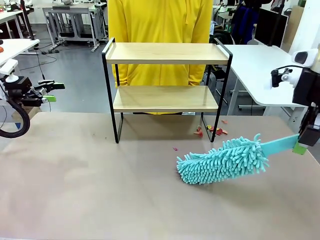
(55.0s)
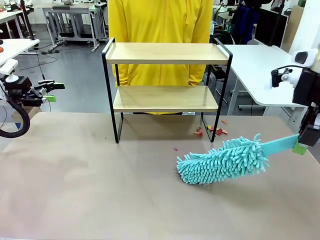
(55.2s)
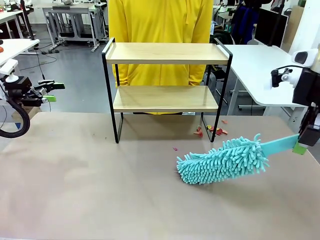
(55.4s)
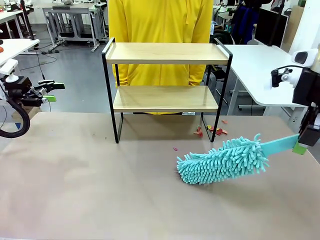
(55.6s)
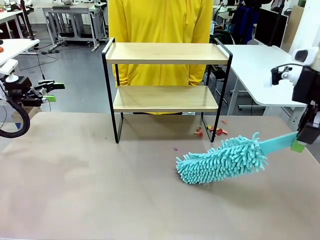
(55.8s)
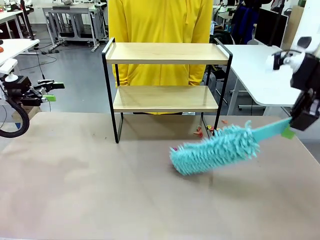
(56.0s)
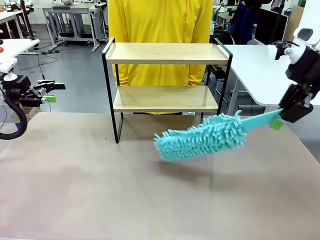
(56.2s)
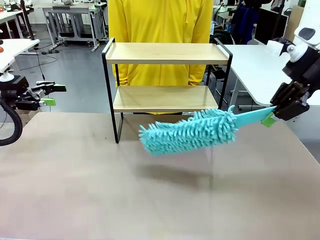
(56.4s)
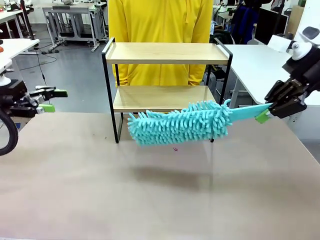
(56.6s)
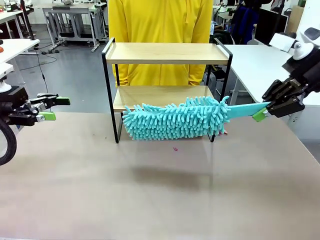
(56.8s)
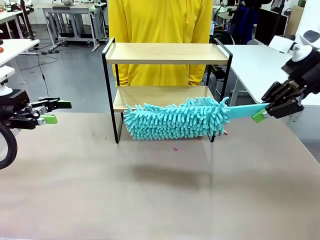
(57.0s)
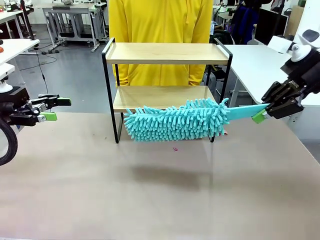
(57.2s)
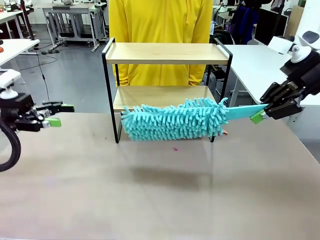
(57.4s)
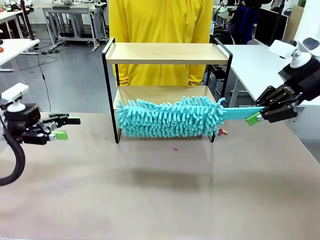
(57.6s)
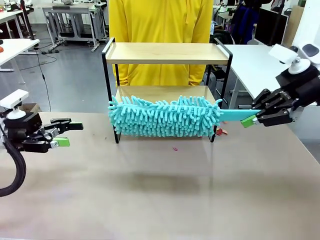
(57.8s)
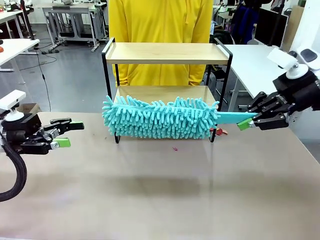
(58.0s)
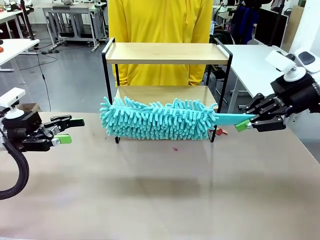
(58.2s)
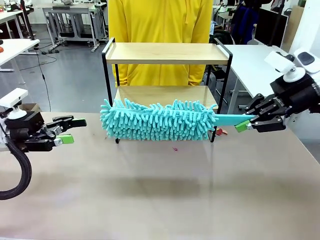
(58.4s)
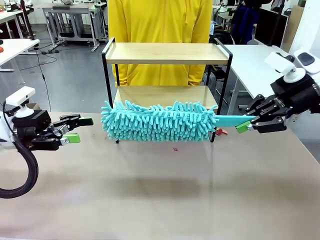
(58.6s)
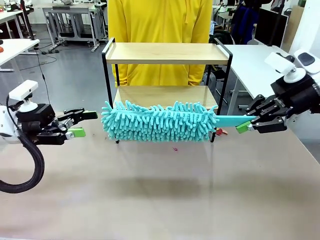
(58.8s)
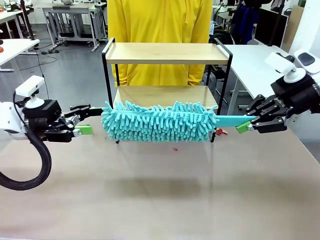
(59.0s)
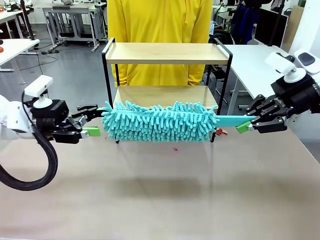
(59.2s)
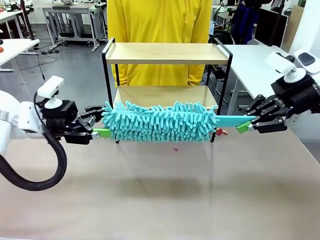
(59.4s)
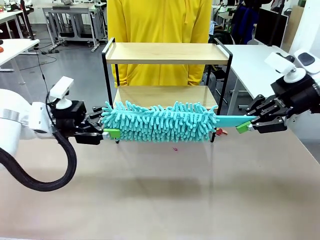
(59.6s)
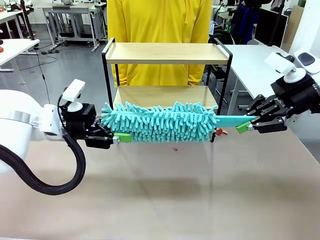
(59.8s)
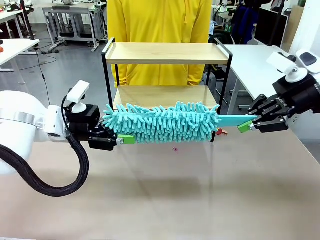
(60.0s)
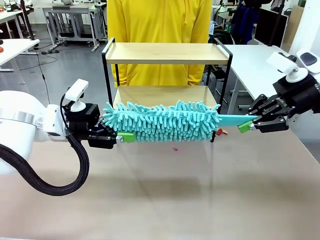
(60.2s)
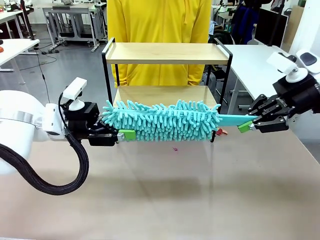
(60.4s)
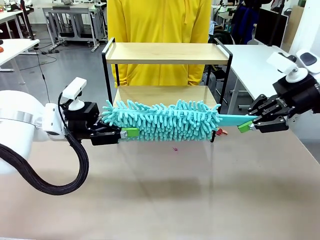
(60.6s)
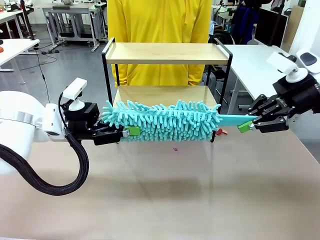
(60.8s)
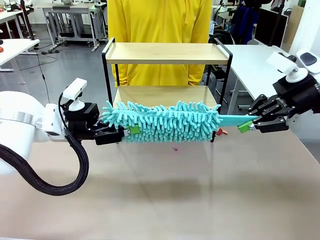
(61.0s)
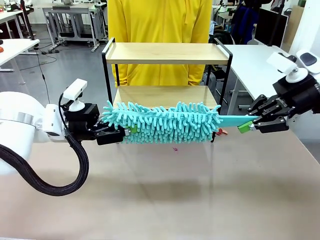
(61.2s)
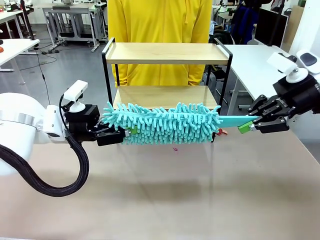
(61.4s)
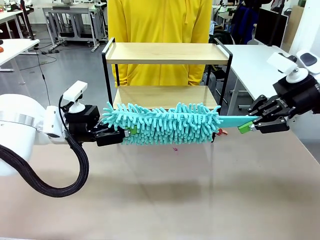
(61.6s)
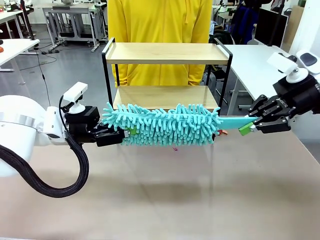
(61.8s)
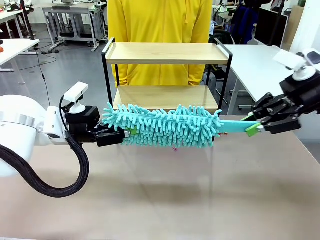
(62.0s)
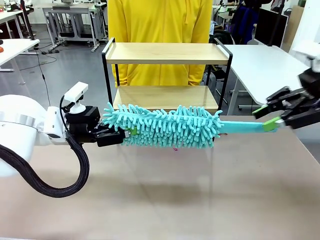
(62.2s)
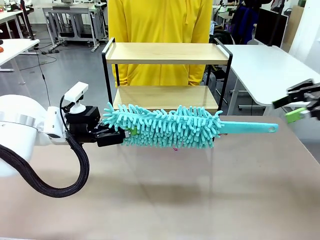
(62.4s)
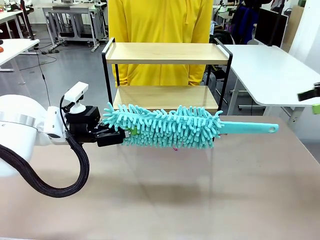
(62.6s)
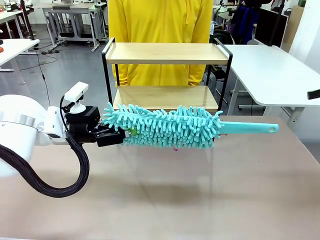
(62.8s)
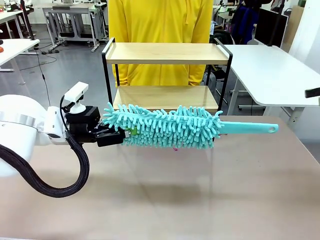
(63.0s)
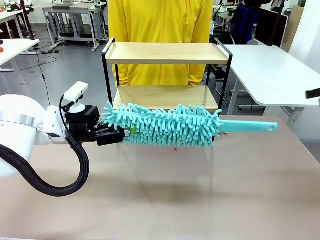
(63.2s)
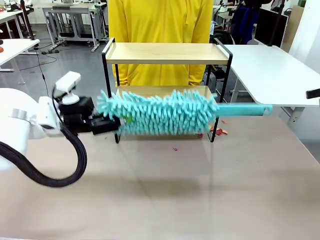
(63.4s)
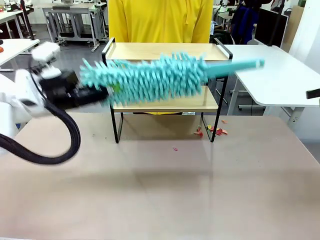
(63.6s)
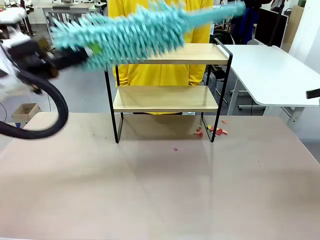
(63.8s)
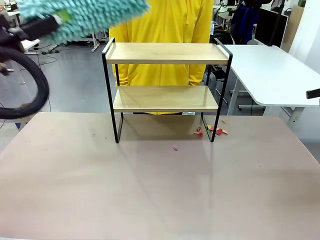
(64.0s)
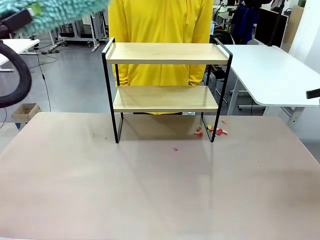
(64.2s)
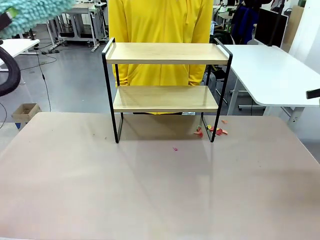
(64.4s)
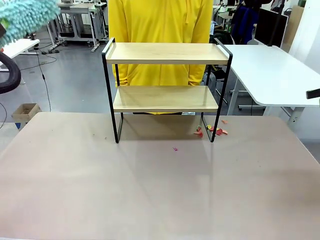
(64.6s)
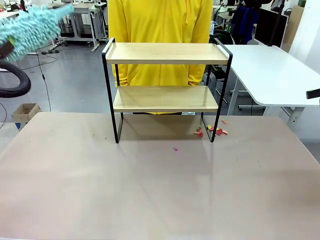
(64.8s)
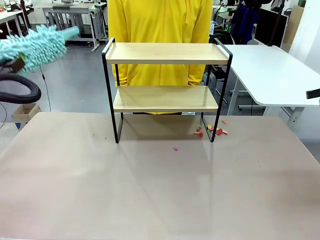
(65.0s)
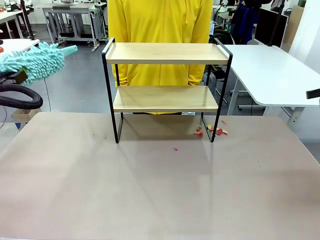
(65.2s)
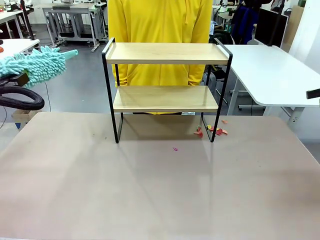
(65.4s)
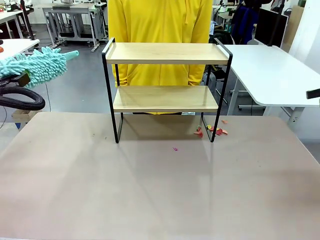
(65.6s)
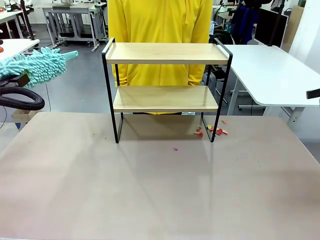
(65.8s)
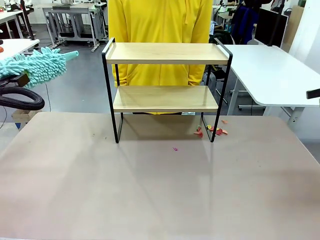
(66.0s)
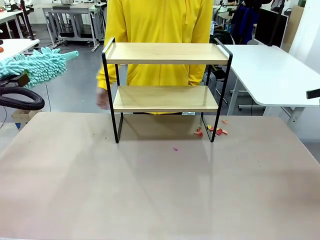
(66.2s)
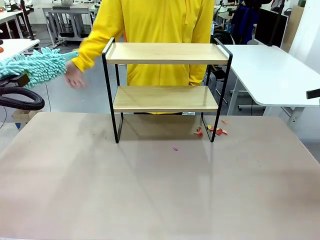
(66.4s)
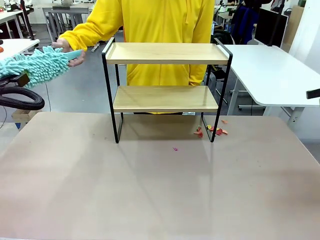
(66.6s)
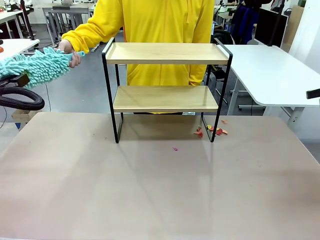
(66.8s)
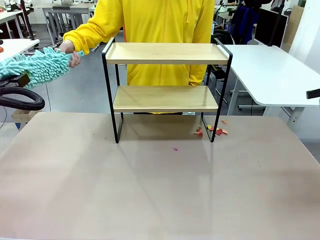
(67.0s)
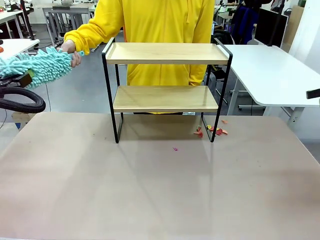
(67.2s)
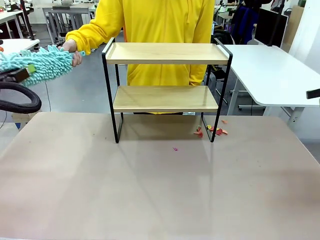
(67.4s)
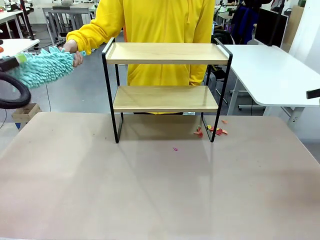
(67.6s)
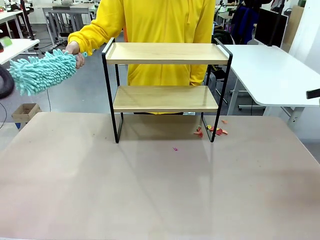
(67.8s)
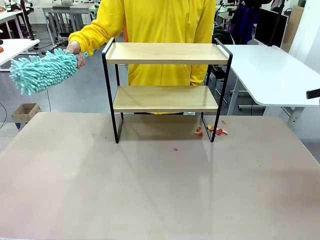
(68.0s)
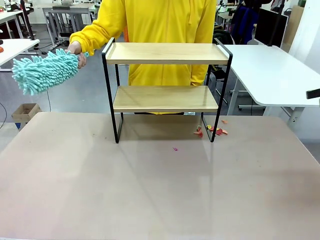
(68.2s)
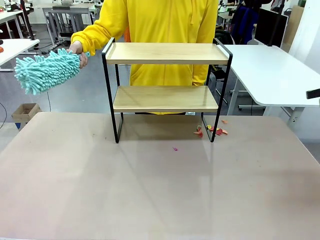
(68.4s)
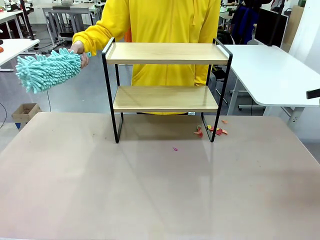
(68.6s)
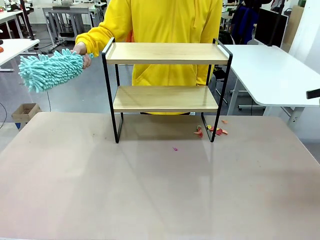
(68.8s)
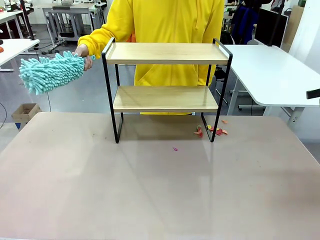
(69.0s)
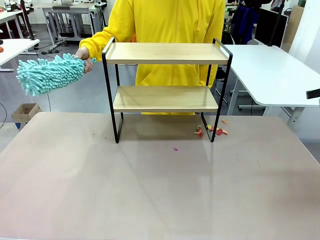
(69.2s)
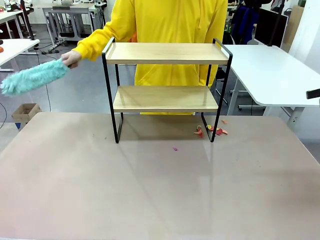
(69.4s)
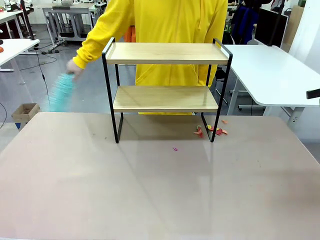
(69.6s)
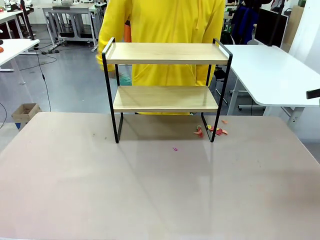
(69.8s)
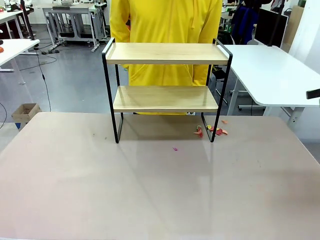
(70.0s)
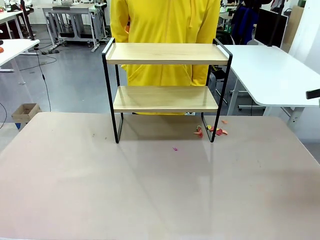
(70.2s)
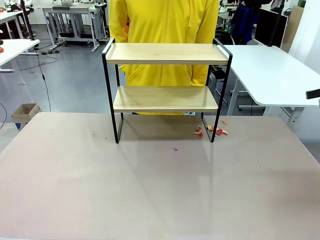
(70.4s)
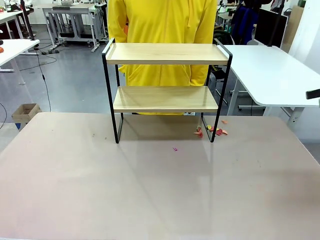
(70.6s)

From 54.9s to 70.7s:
Task: Clean the shelf.
Robot: Hand the Duster back to the human.
Person: Receive the Duster from the robot.
